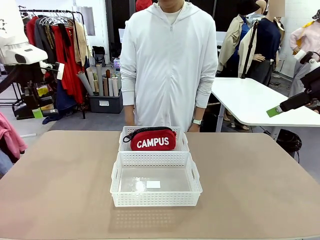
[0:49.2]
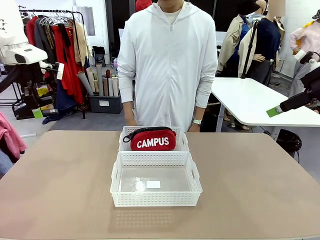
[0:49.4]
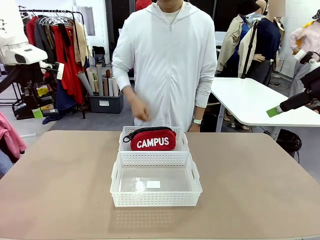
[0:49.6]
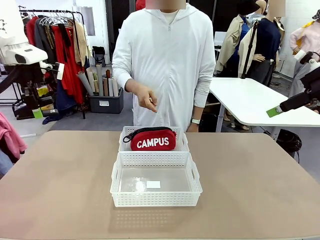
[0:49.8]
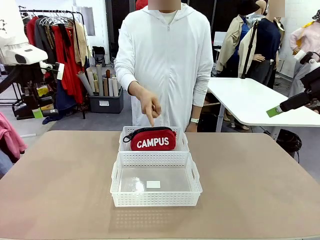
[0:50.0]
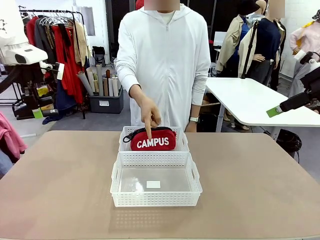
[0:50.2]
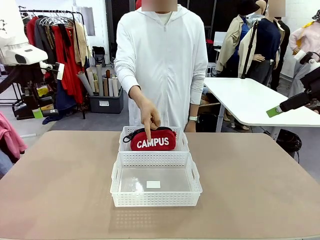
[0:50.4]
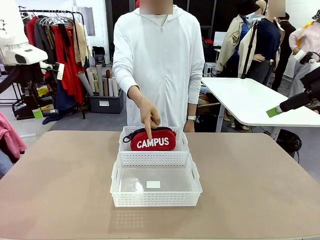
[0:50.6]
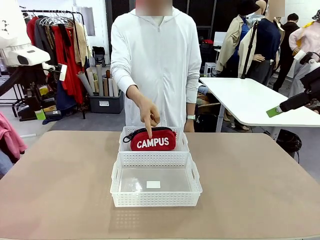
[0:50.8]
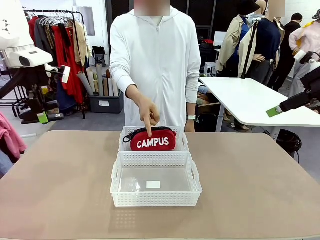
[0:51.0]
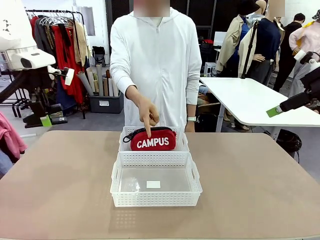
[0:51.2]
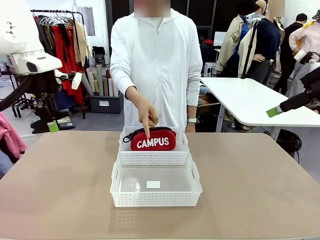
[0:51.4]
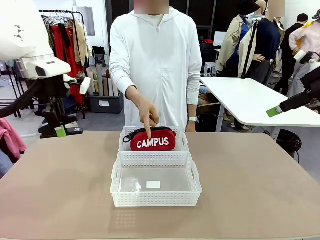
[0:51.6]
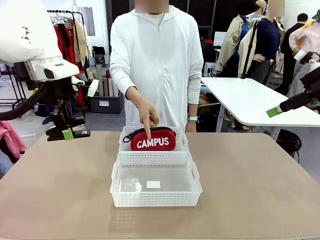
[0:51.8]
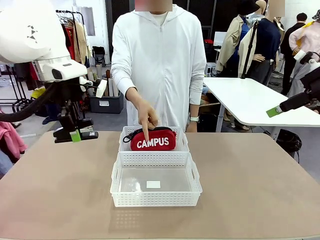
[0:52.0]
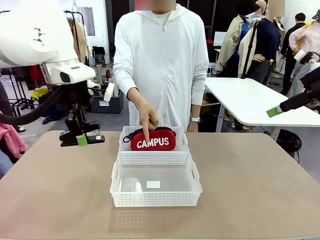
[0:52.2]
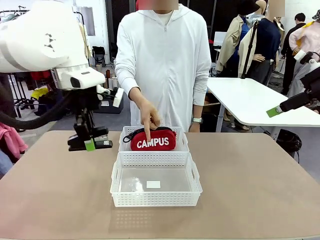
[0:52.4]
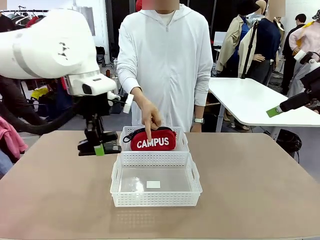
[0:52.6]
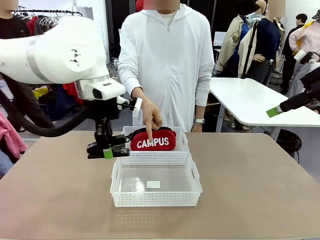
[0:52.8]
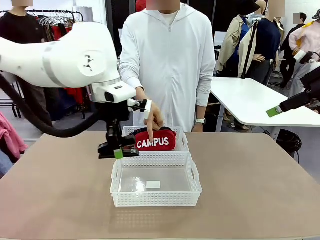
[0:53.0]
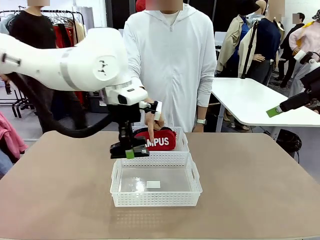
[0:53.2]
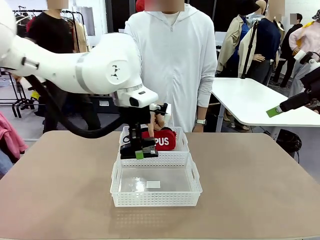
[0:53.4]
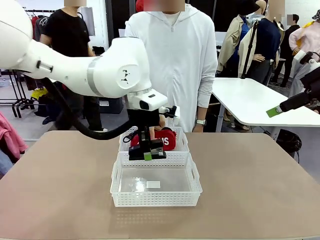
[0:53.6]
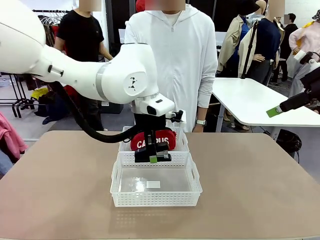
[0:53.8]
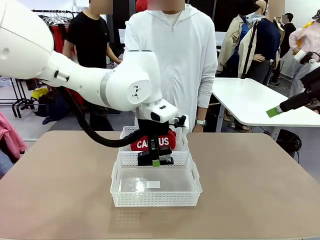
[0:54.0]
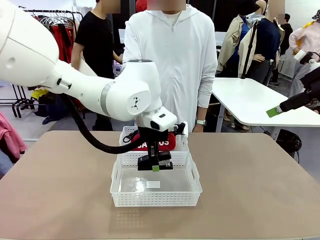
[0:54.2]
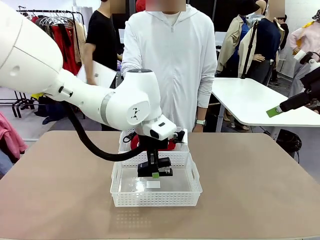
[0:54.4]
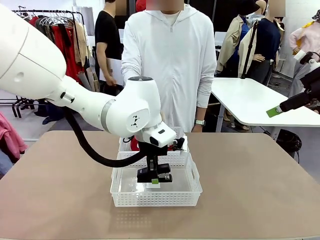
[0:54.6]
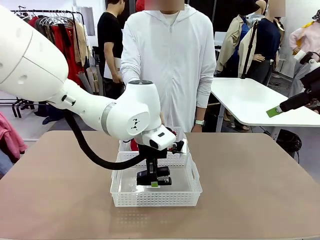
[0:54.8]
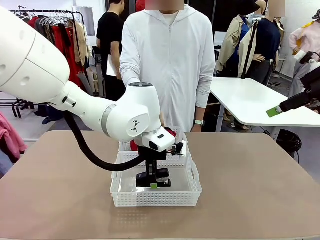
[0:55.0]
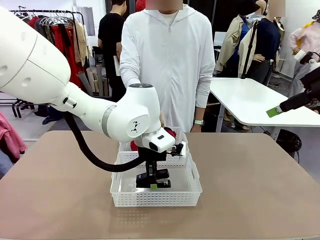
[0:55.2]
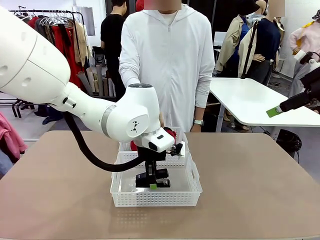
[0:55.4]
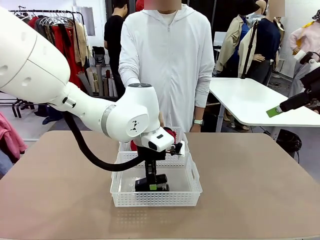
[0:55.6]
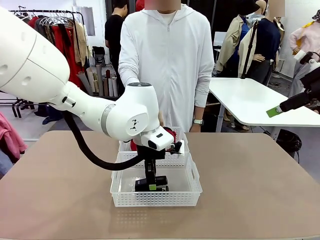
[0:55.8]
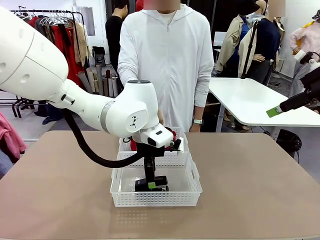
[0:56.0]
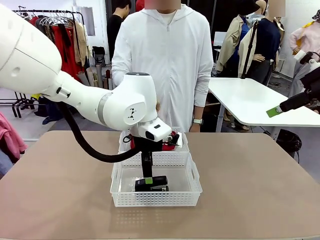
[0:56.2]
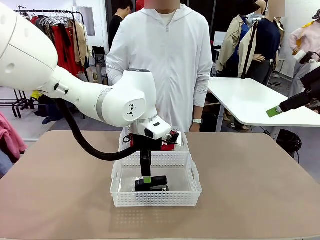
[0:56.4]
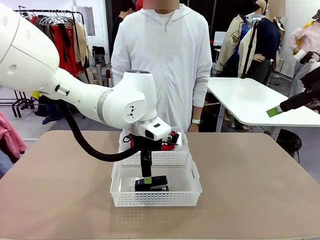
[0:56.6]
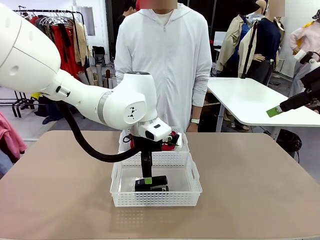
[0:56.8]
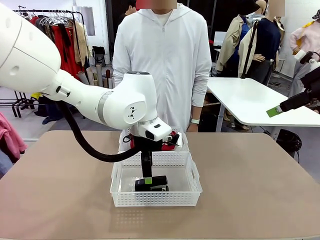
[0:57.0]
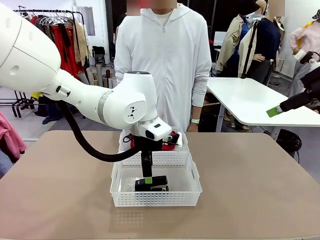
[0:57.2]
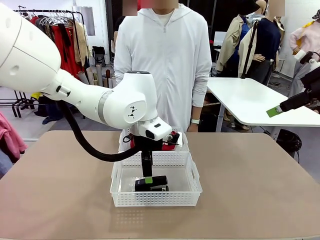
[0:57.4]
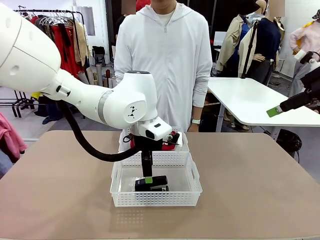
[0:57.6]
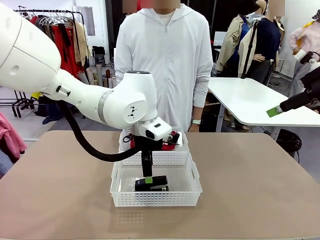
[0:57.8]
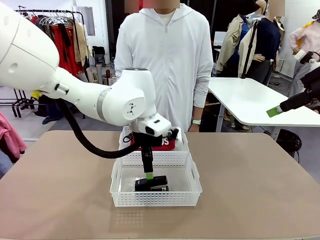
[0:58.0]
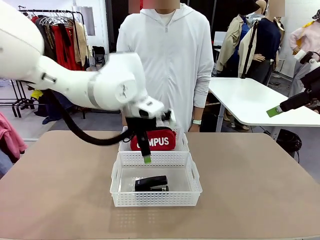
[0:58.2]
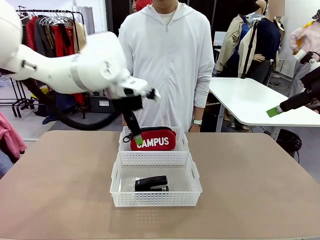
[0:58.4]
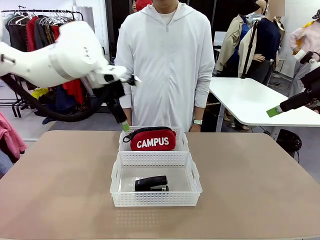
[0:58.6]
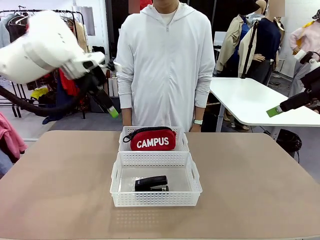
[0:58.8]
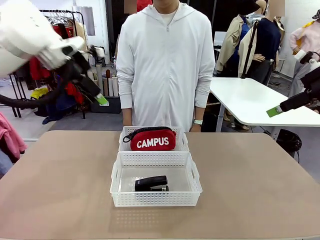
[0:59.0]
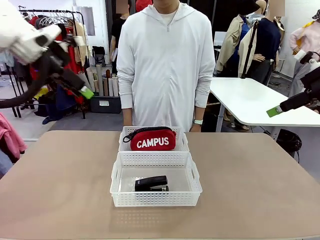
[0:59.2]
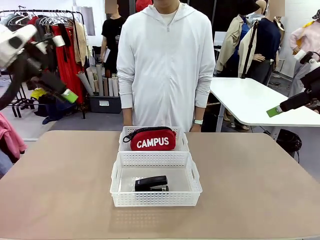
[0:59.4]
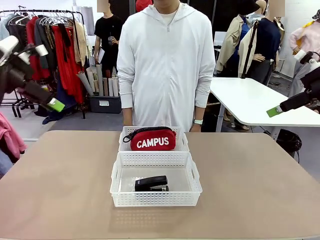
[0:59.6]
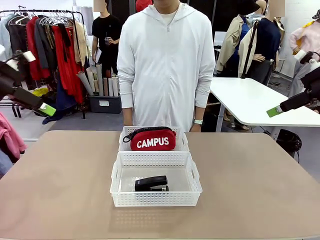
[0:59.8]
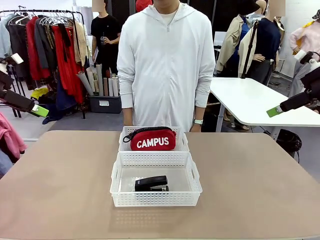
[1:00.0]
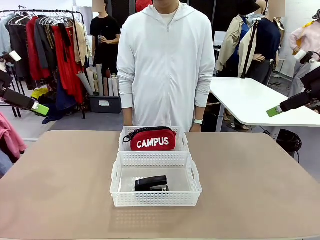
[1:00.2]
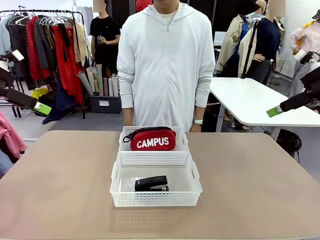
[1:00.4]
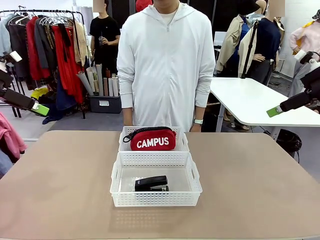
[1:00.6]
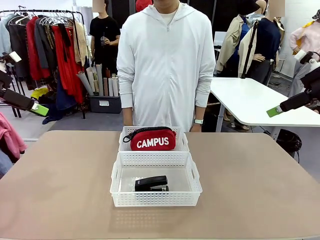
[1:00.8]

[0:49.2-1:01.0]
Task: Distribute items into two baskets.
Robot: Place the picked Stapler into the Organizing basket as instructed by the person.
Person: Points to the basket that does not contain the pencil case and instructs the robot to move the stapler there.

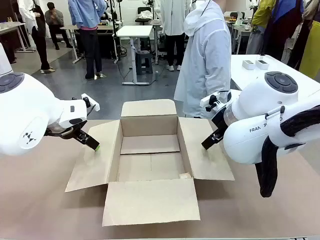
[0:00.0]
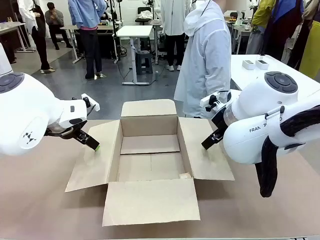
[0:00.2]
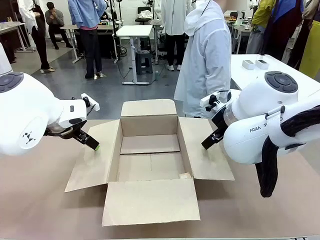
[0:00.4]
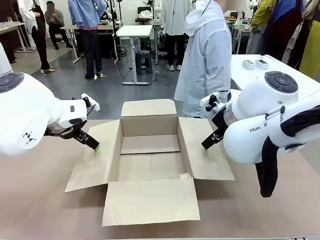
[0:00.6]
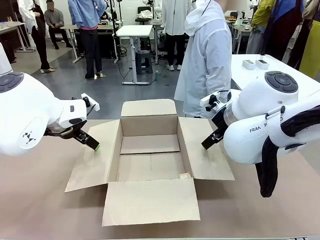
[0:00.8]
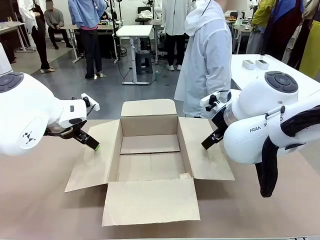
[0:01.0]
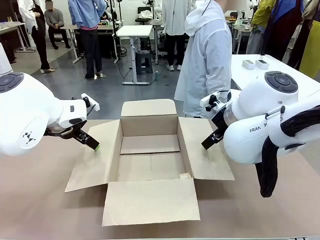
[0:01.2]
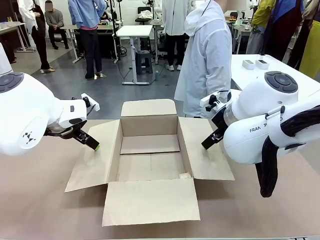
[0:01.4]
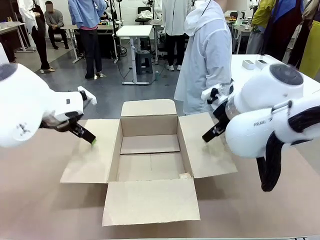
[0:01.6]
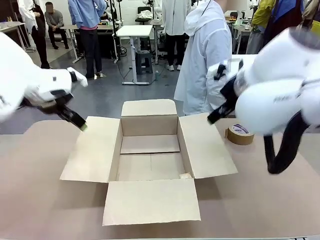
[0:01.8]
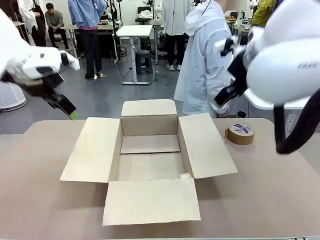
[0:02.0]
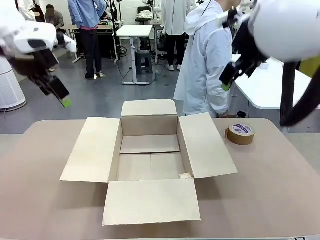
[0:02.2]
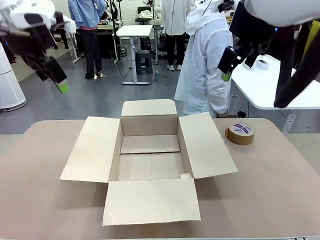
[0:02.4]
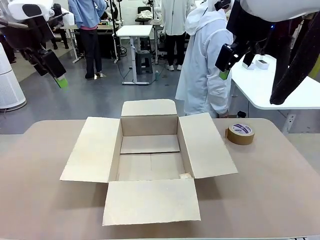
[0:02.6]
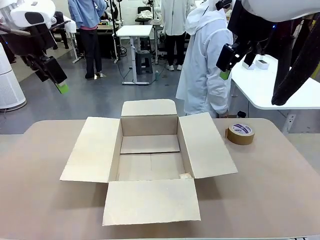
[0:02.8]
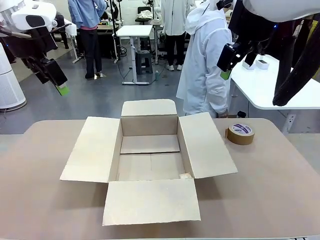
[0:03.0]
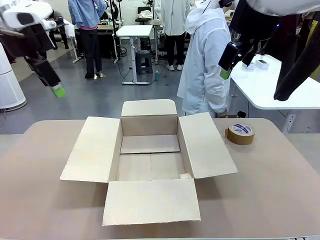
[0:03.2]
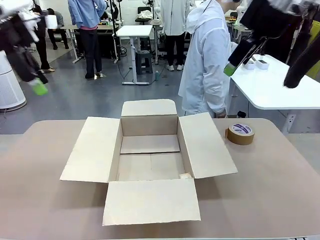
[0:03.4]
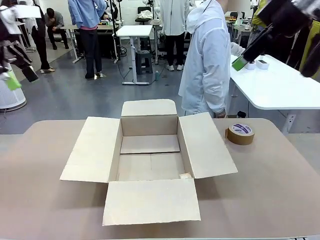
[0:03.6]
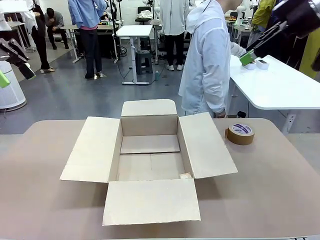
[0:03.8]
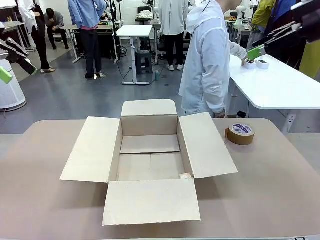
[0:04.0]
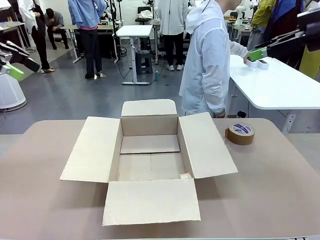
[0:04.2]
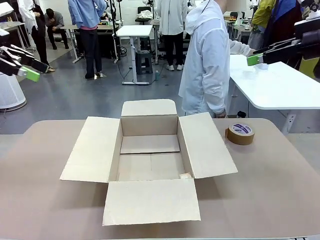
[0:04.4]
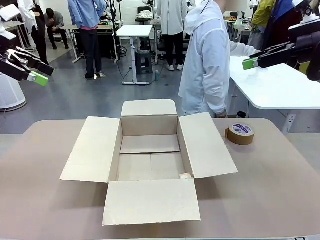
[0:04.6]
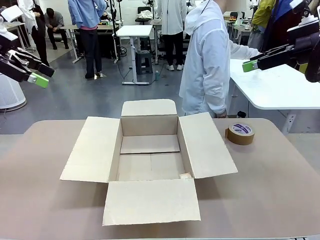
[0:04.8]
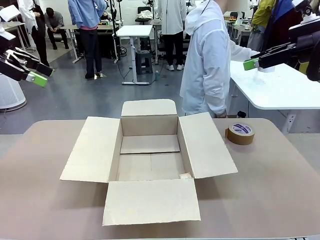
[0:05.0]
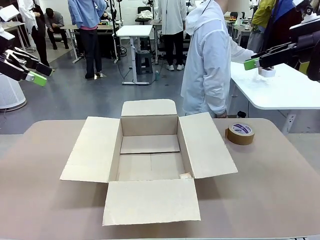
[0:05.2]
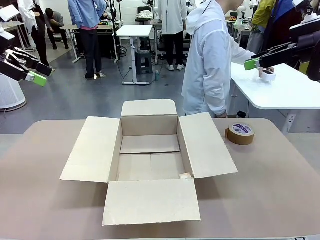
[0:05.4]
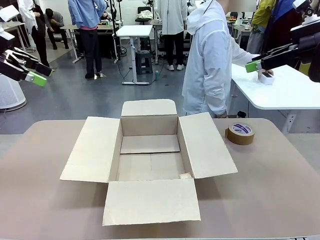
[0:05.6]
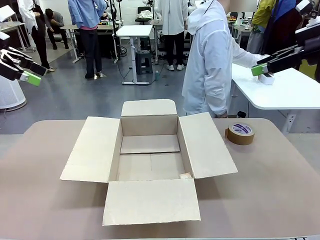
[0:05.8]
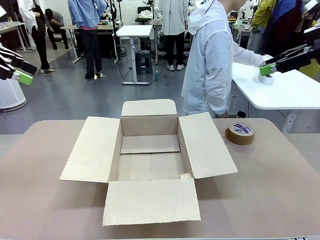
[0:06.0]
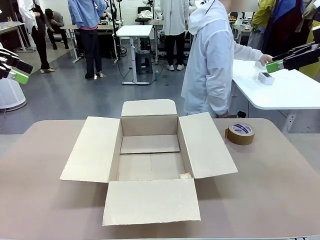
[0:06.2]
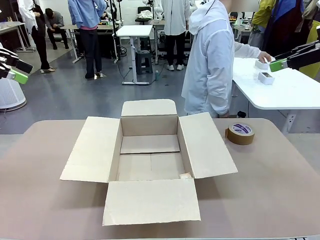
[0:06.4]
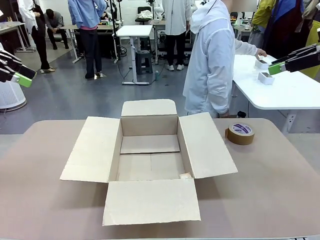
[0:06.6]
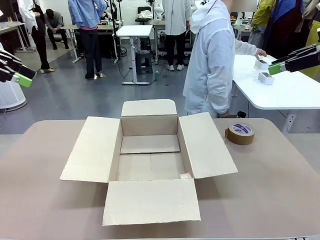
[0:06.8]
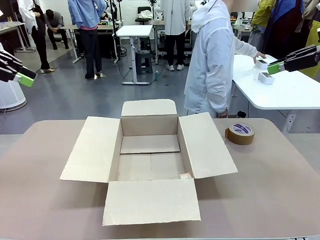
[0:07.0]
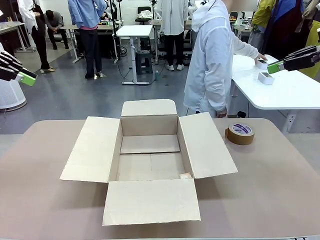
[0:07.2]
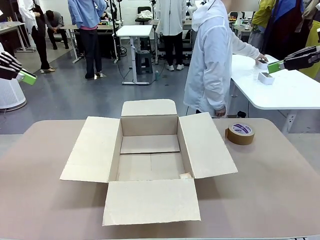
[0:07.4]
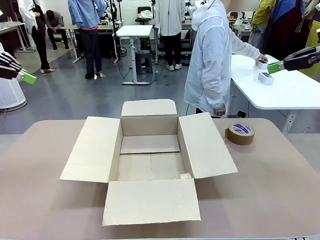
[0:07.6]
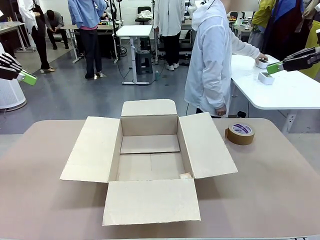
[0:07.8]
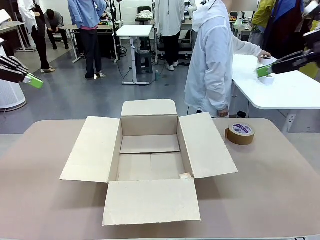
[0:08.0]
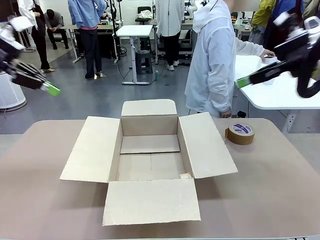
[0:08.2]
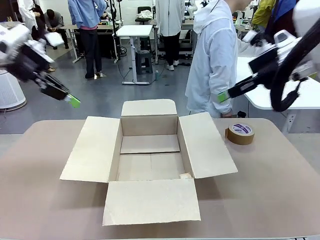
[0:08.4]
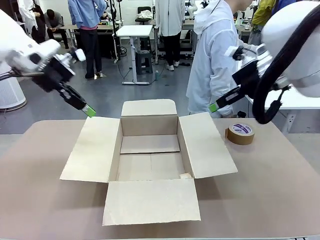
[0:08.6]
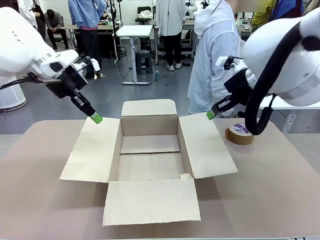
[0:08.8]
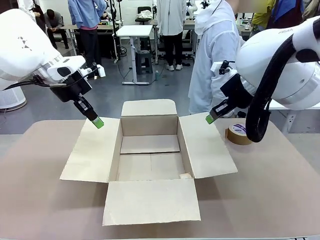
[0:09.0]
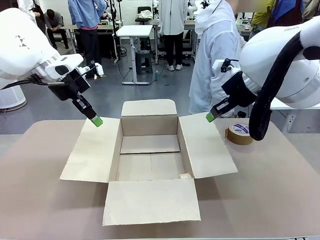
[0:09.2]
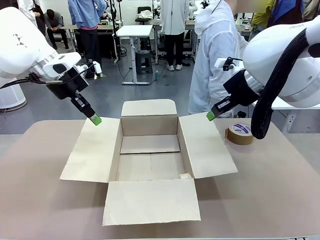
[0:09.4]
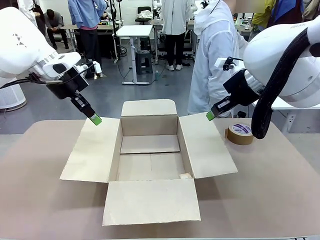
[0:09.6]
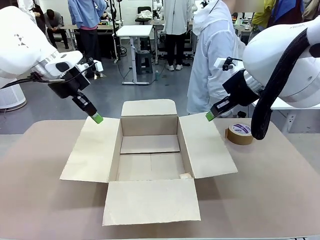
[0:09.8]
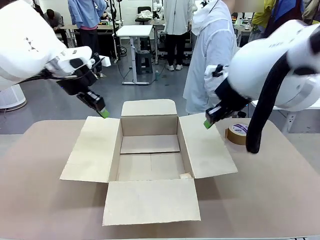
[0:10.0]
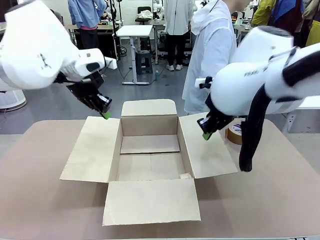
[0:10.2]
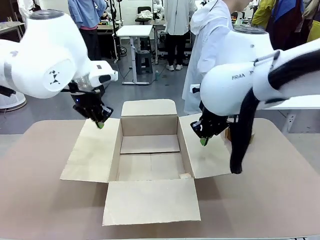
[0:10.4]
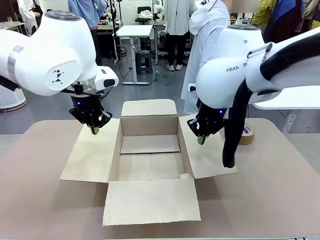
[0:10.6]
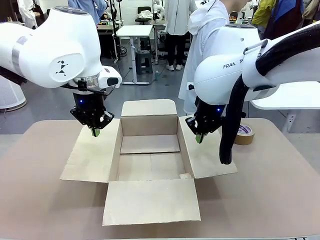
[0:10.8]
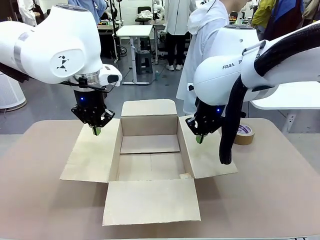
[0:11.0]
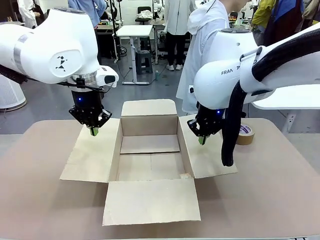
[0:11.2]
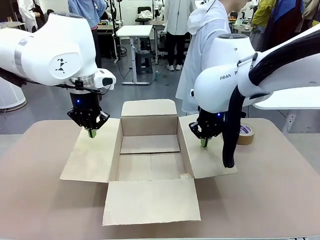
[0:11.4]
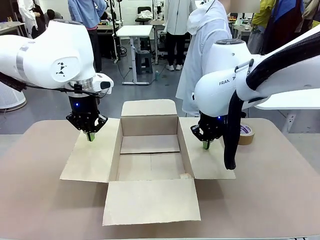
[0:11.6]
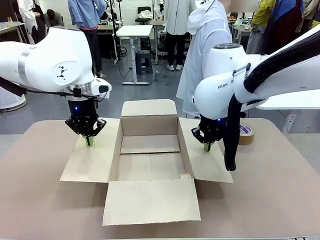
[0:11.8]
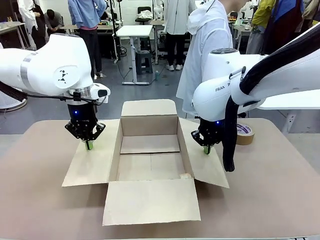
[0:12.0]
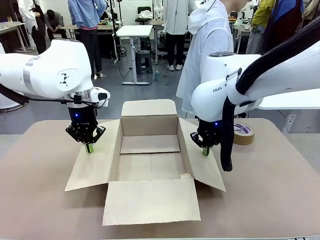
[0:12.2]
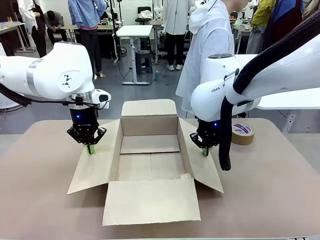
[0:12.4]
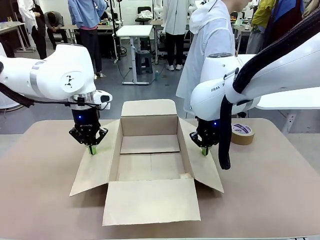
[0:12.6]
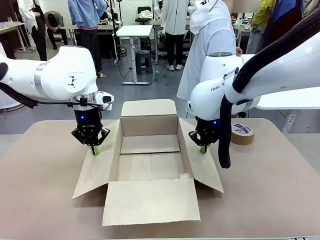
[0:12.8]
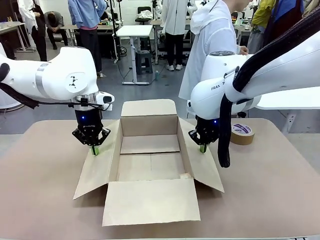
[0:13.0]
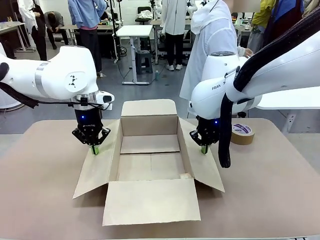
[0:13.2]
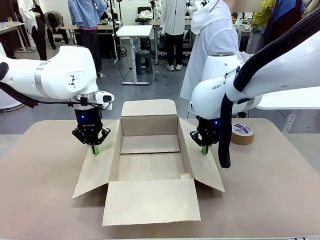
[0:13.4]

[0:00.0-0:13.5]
Task: Wrap the clocks to prevent damage.
Robot: Open the side flaps of the Package Box.
Person: Wrap the two Digital clocks with Bubble Wrap.
